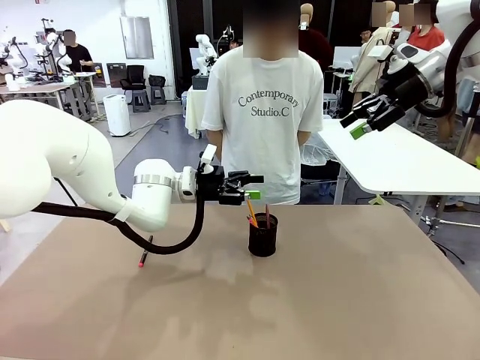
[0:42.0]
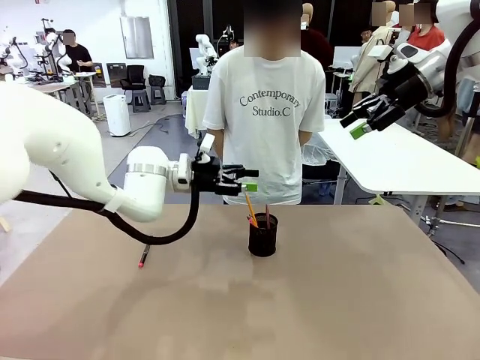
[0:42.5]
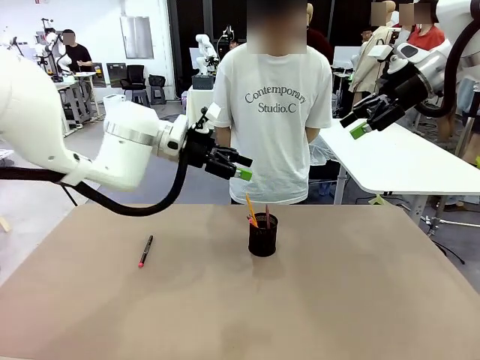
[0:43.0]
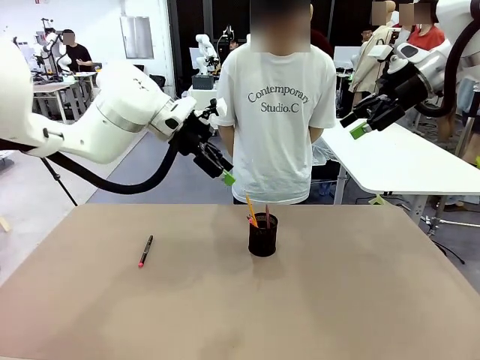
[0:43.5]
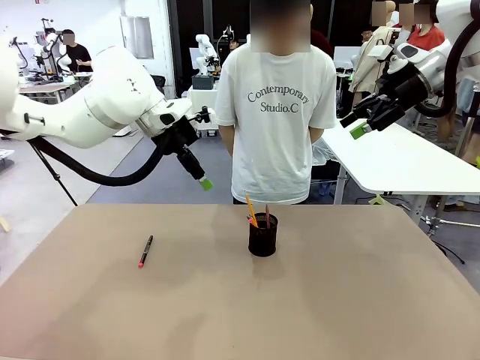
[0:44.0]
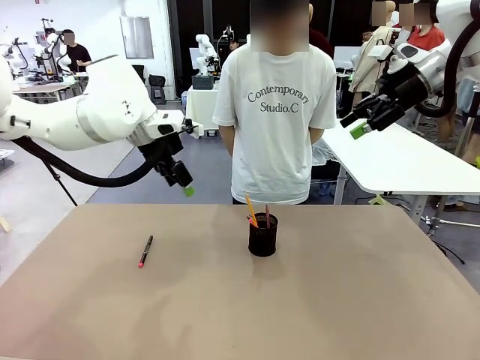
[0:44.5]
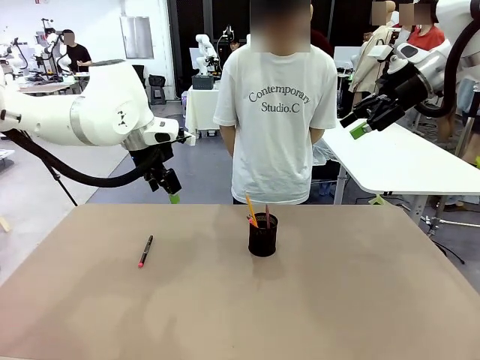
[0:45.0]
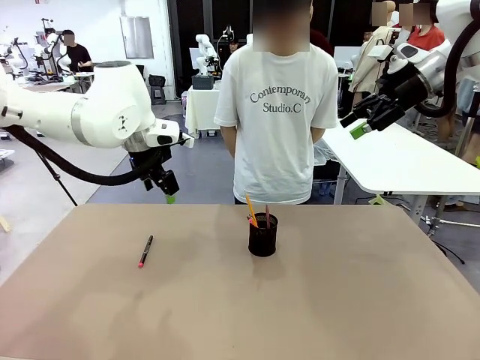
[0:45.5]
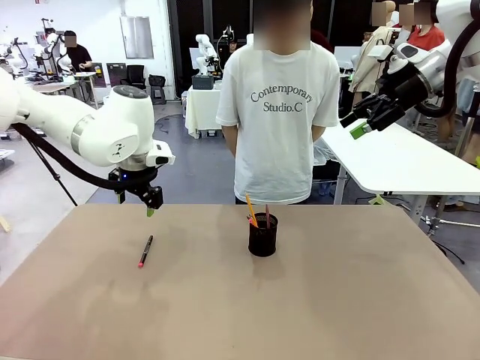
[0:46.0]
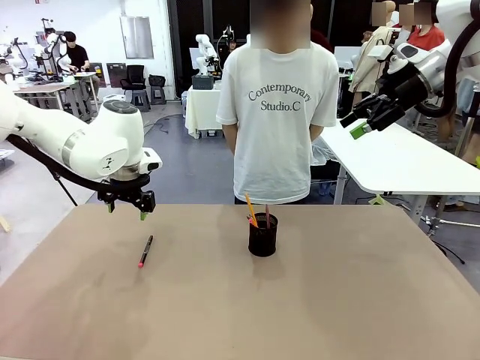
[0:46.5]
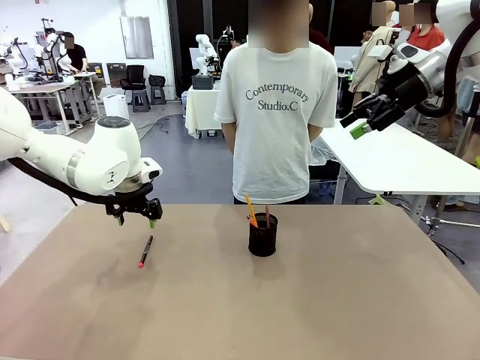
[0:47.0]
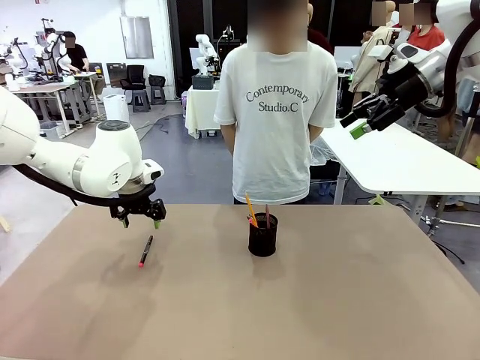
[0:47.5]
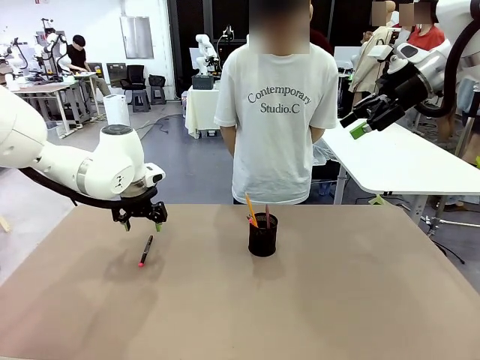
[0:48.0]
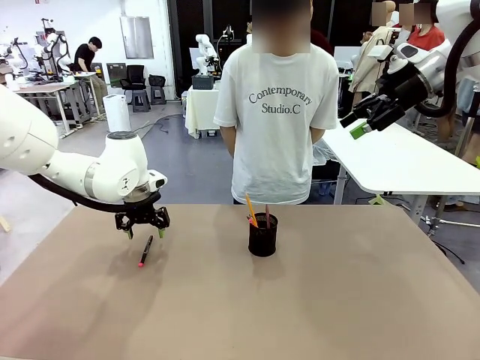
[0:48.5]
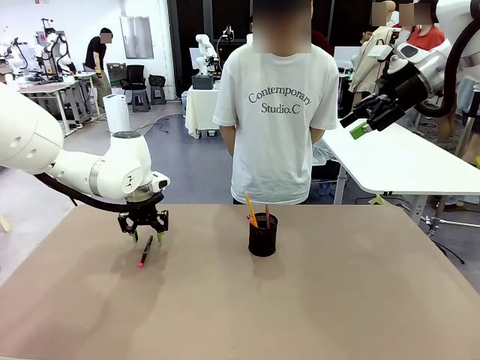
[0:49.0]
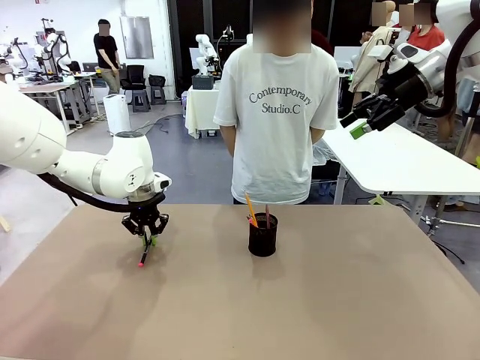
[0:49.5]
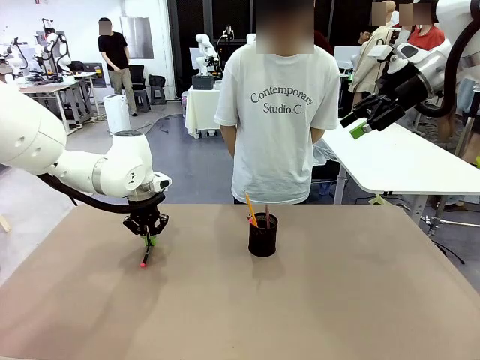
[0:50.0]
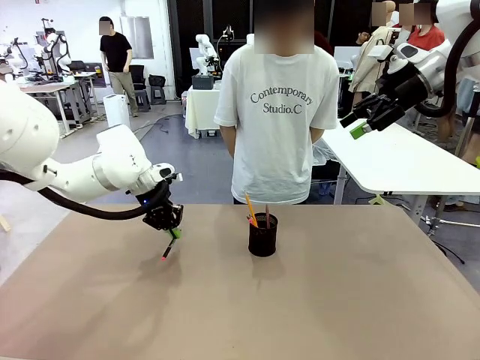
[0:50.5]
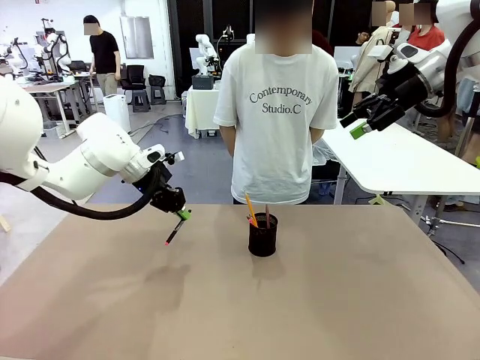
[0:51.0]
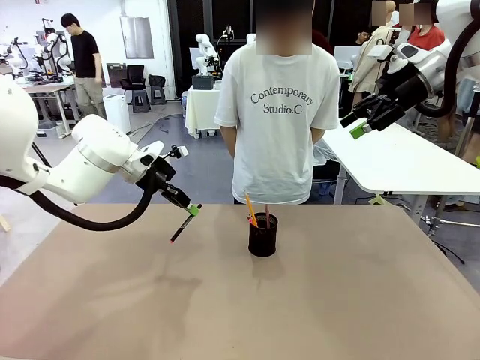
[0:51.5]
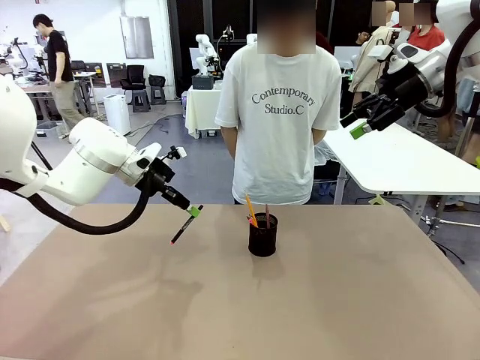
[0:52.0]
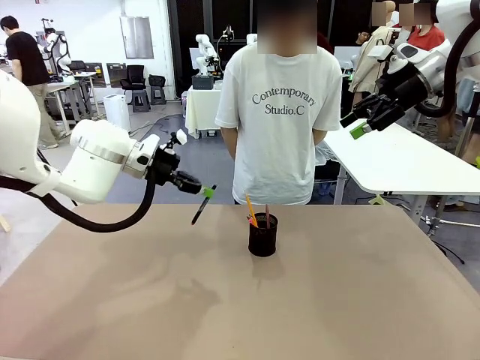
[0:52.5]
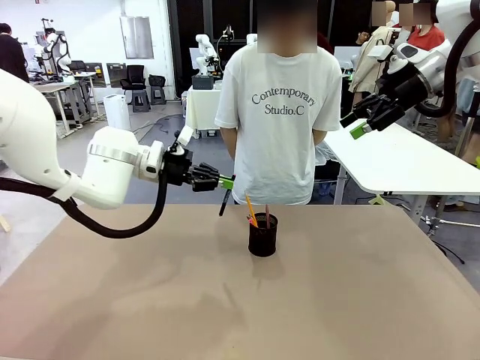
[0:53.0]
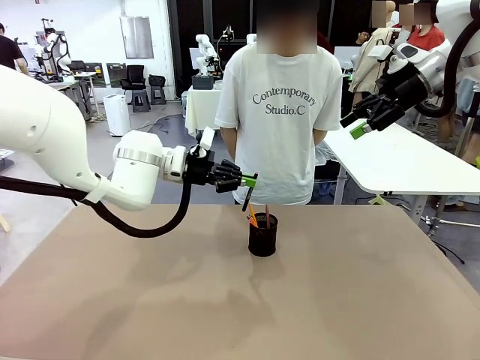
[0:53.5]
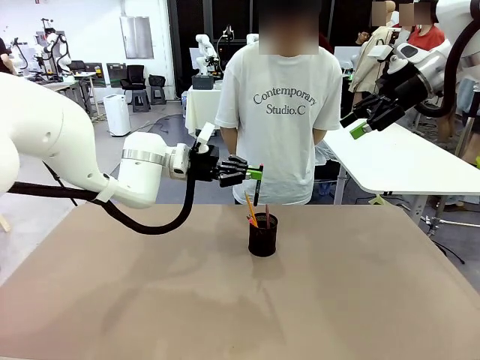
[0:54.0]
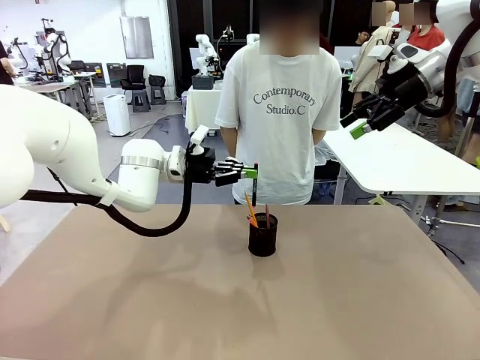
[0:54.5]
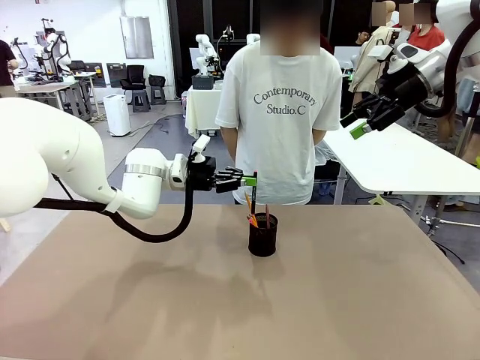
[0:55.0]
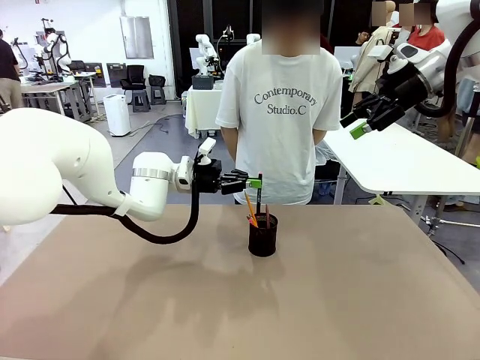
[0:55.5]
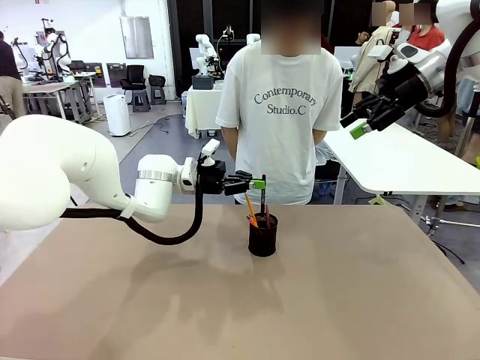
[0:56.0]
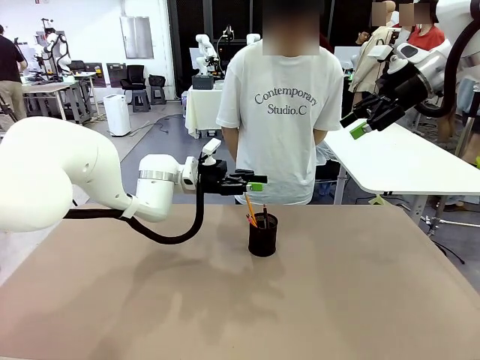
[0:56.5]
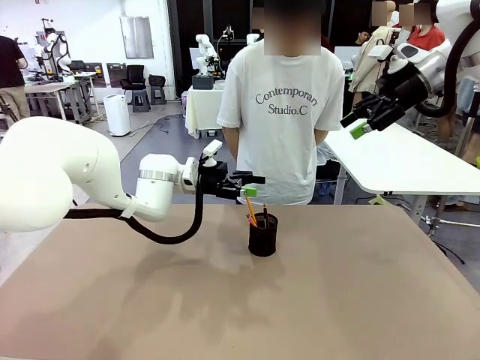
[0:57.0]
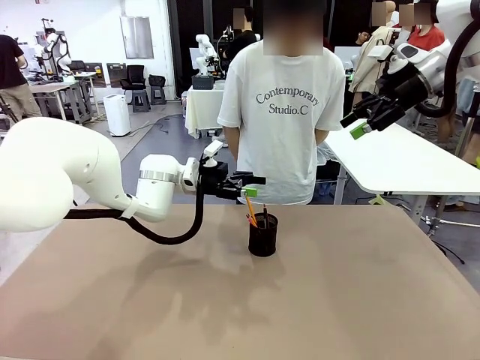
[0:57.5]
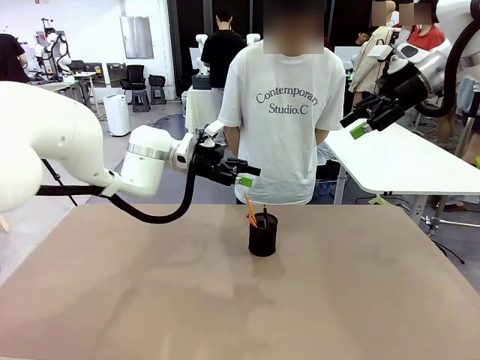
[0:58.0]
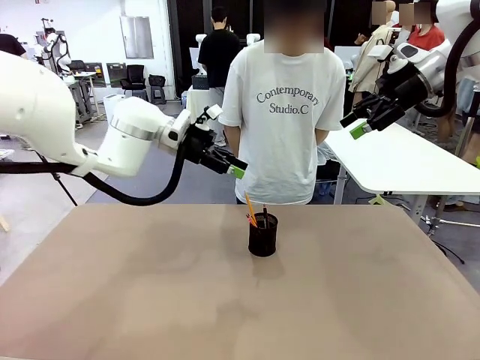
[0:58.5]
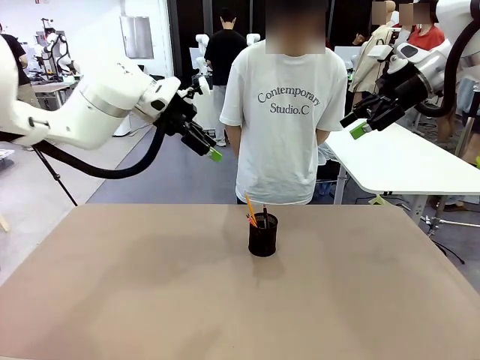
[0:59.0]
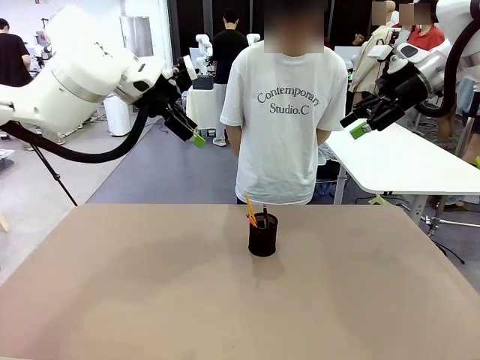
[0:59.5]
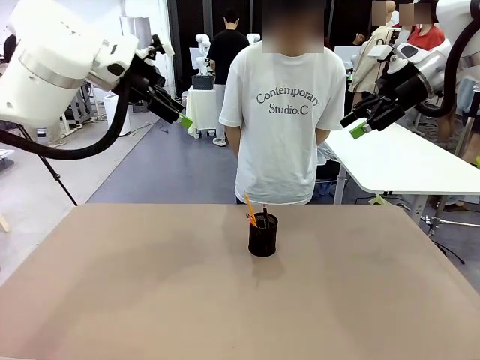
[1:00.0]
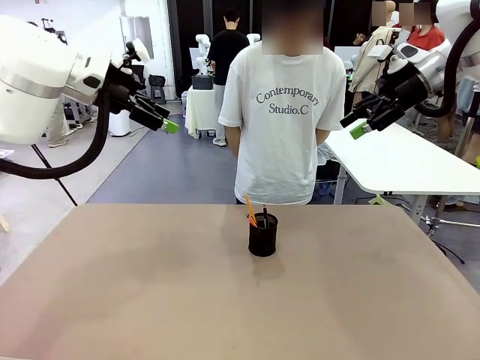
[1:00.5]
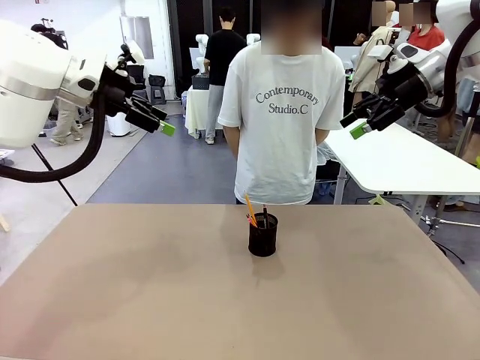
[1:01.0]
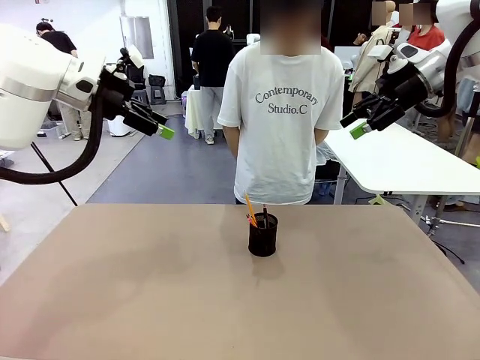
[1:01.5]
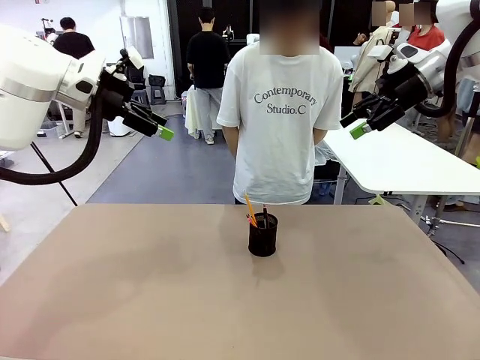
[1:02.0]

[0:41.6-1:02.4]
Task: Place the pens into the pen holder.
Robot: Pick up a writing instrument from the table and place it into the Pen holder.

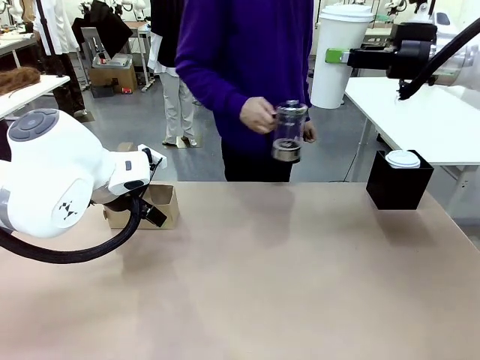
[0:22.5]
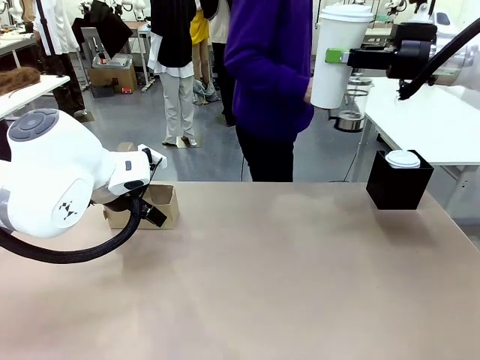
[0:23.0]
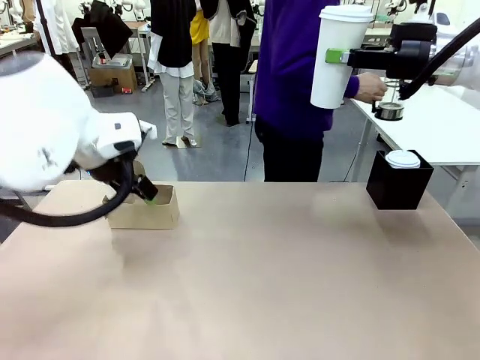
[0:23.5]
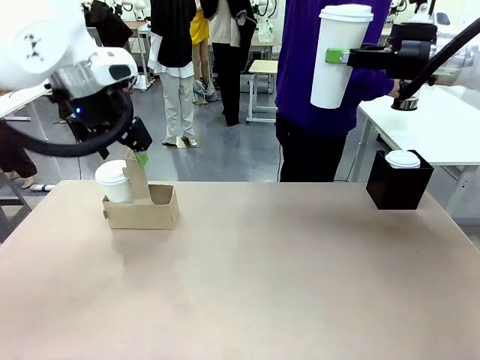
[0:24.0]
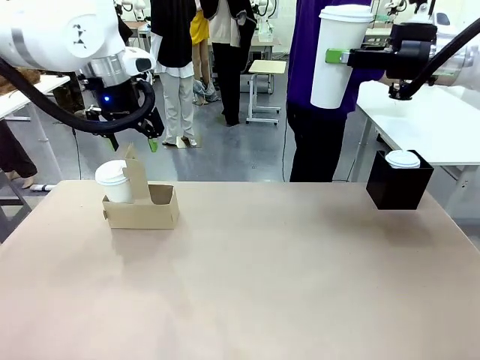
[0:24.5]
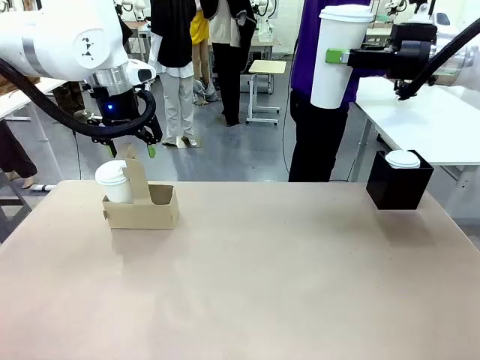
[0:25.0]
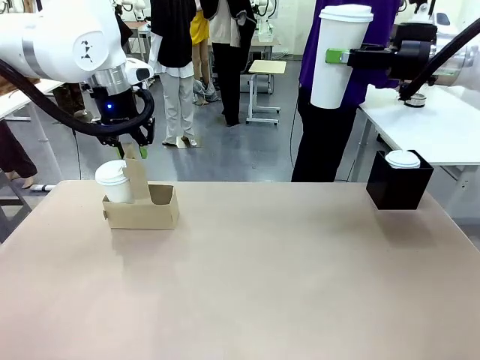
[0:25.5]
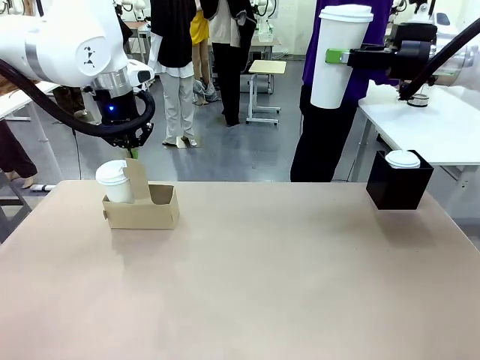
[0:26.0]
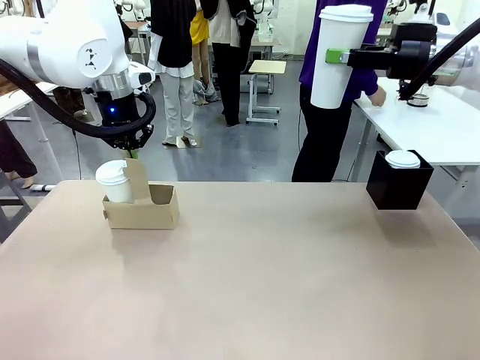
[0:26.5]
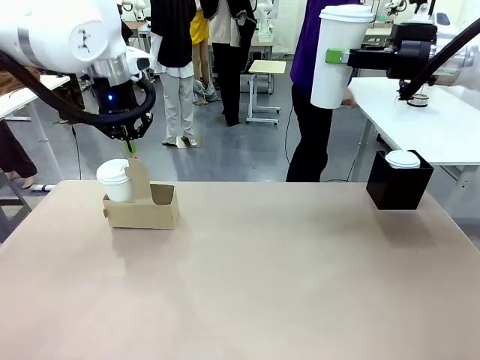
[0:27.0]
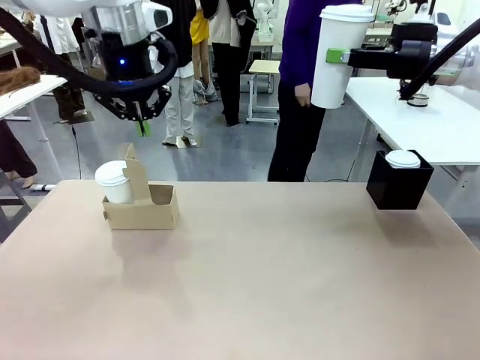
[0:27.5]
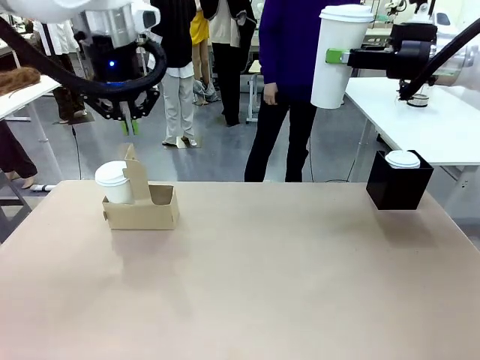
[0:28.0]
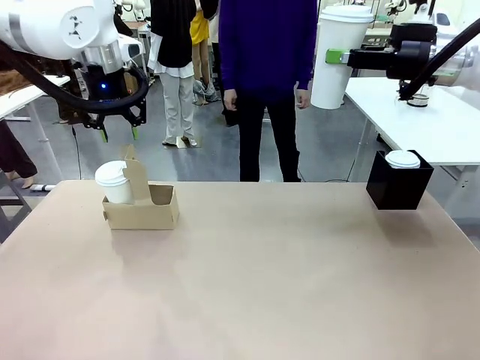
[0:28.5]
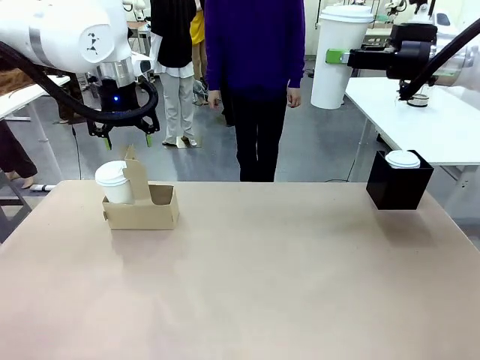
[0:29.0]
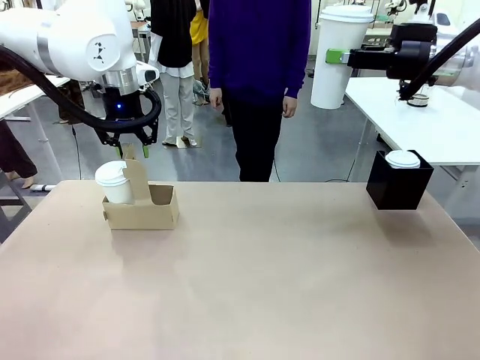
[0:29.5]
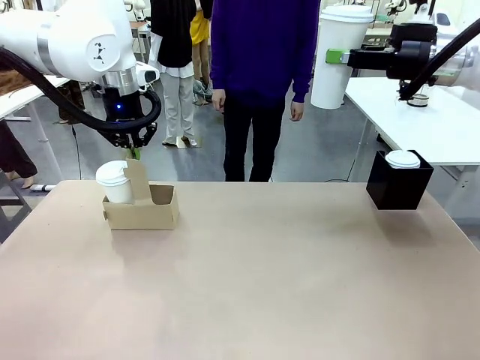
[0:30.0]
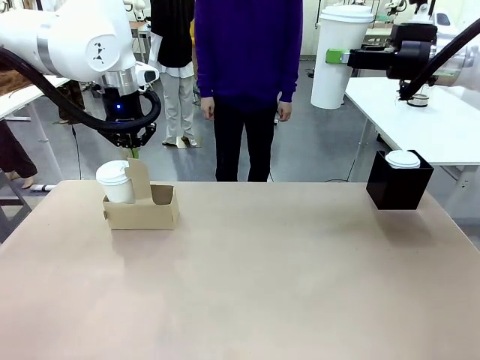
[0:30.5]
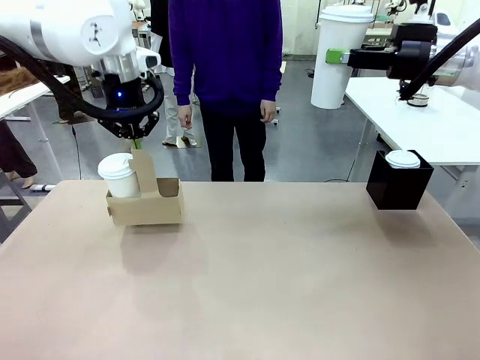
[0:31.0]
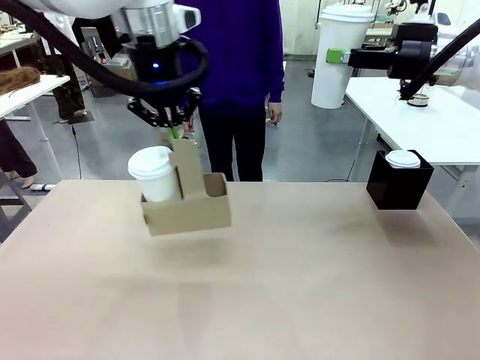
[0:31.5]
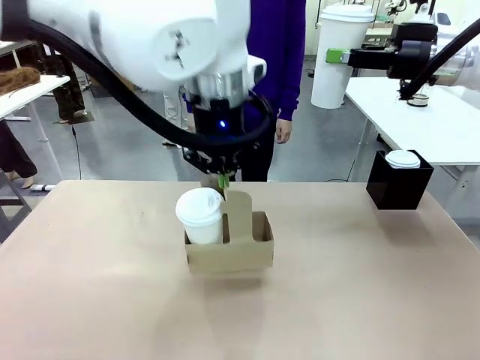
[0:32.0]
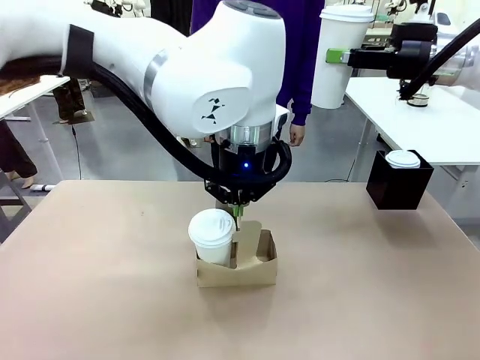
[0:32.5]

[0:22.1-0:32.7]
Task: Pour a drink into a cup and package it in a carrier.
Robot: Position the Cup Carrier in the center of the table.
Person: Pick up the Filter Brewing and place on the middle of Human table, and return to the Robot table.
